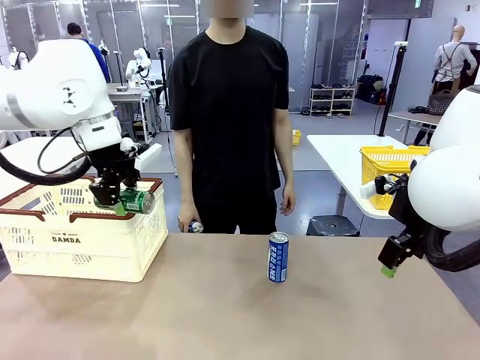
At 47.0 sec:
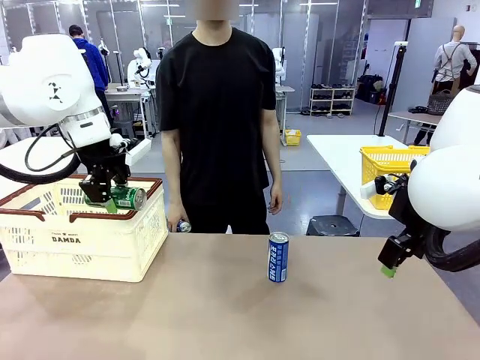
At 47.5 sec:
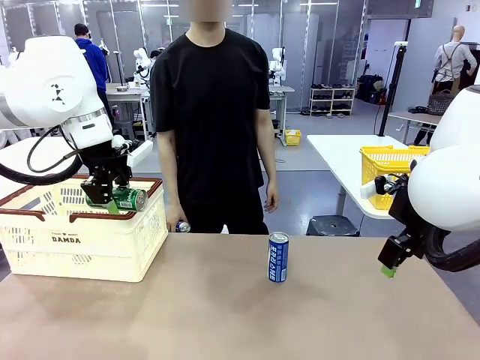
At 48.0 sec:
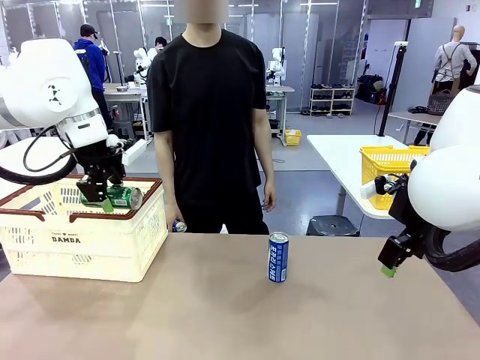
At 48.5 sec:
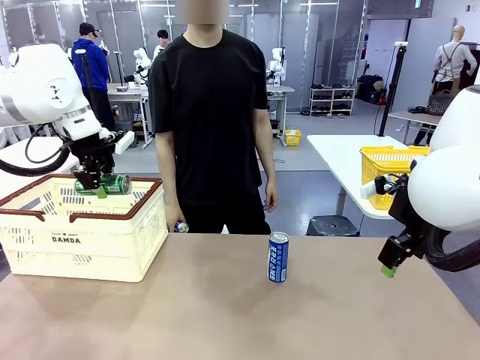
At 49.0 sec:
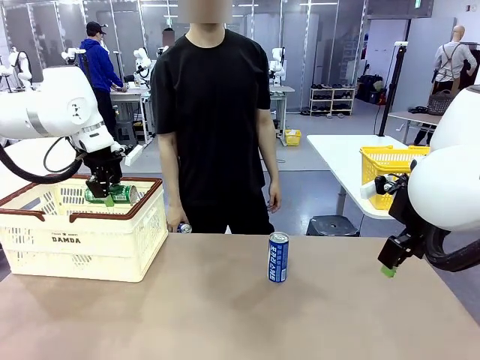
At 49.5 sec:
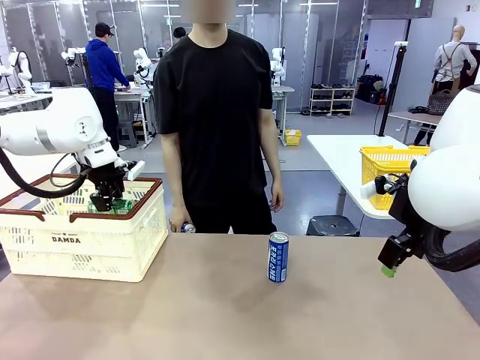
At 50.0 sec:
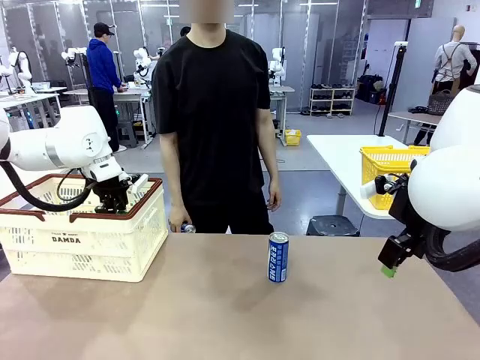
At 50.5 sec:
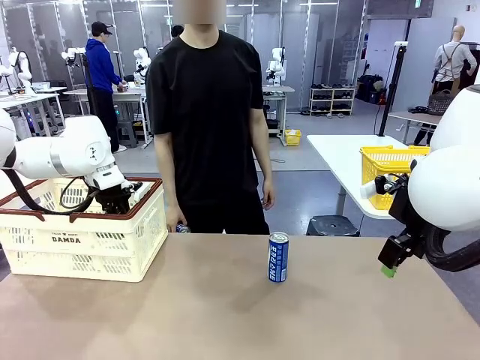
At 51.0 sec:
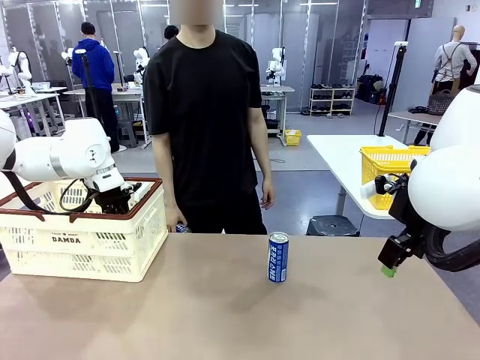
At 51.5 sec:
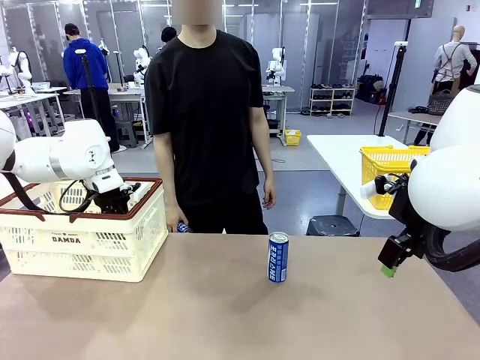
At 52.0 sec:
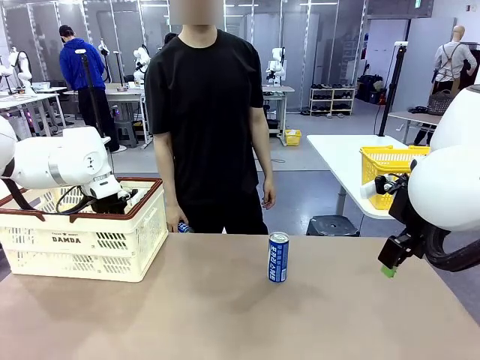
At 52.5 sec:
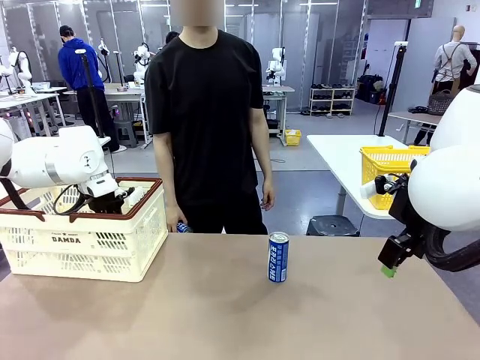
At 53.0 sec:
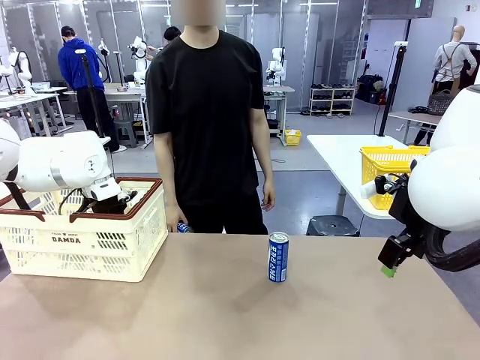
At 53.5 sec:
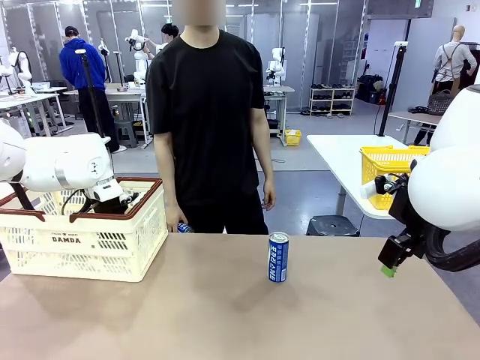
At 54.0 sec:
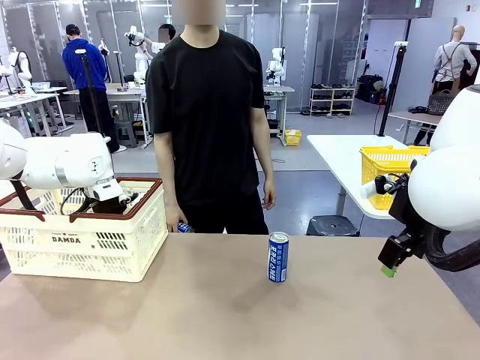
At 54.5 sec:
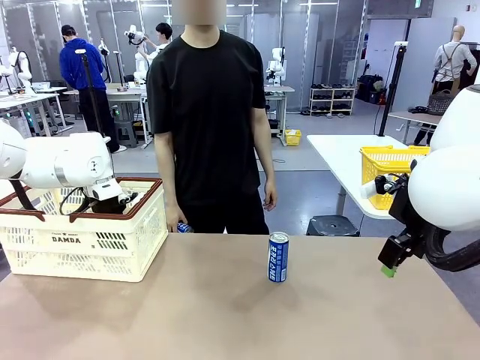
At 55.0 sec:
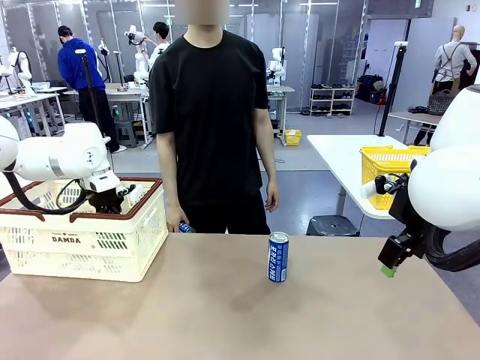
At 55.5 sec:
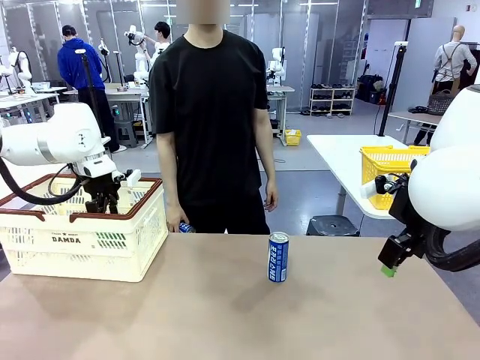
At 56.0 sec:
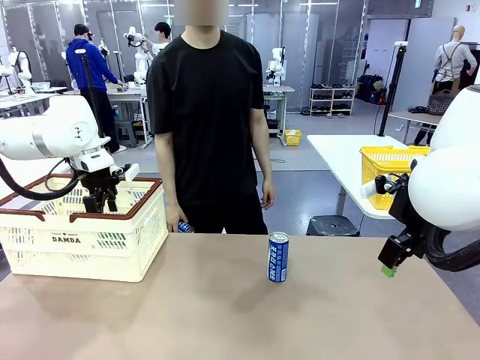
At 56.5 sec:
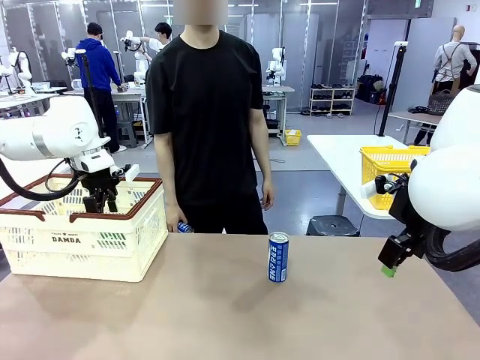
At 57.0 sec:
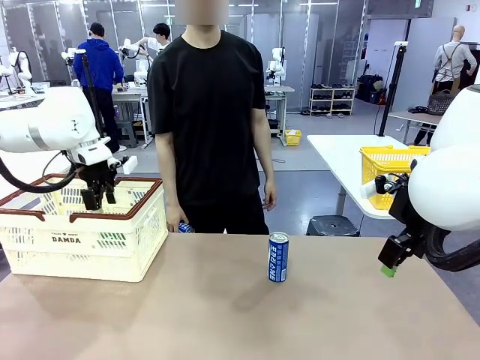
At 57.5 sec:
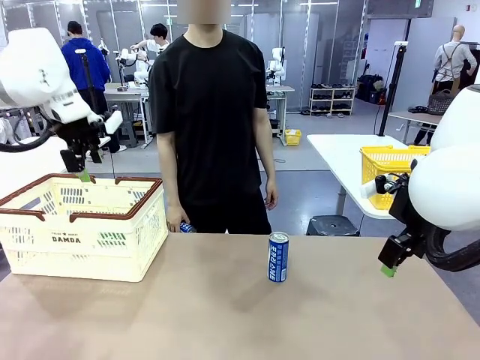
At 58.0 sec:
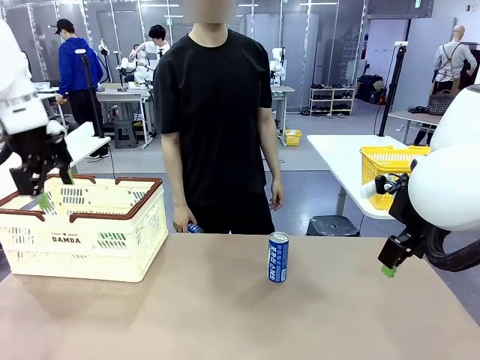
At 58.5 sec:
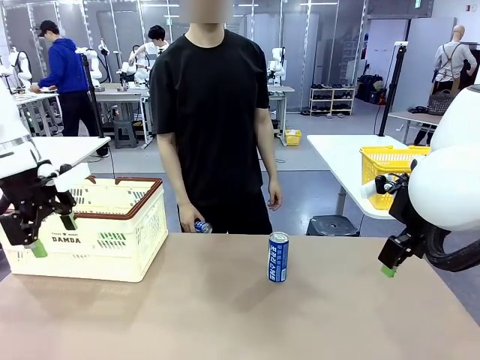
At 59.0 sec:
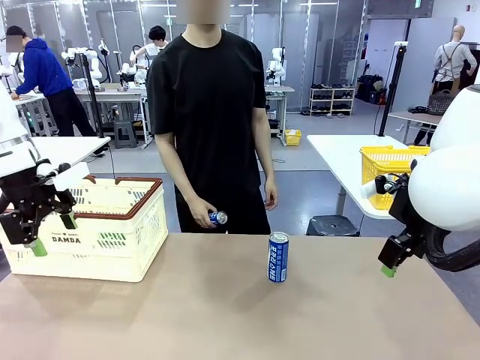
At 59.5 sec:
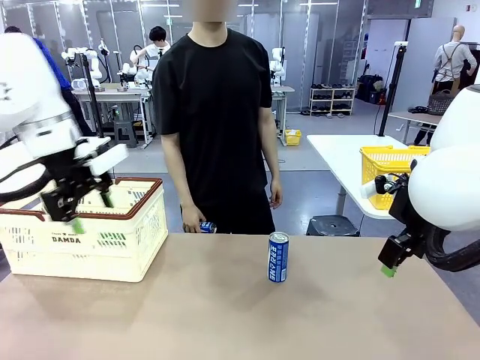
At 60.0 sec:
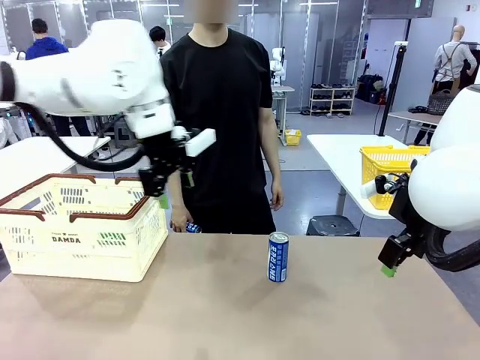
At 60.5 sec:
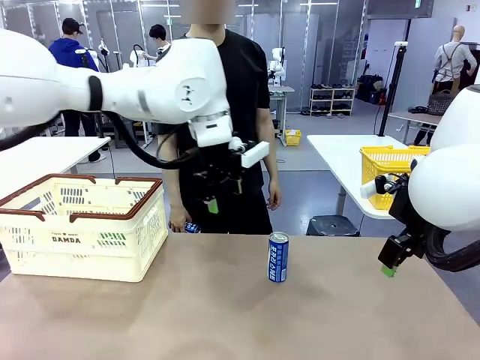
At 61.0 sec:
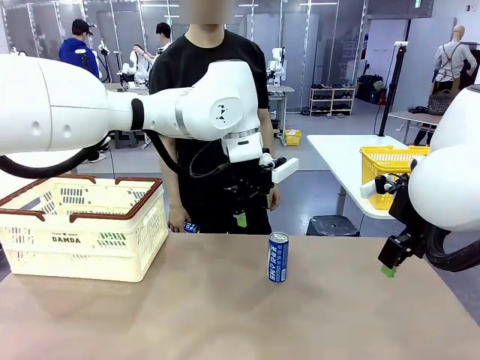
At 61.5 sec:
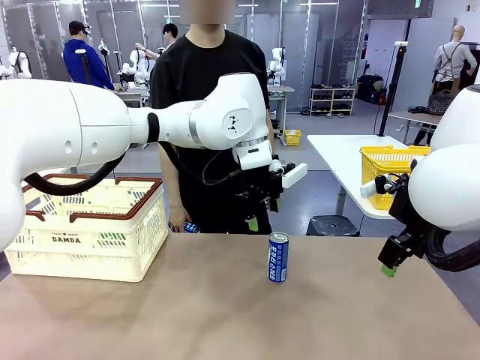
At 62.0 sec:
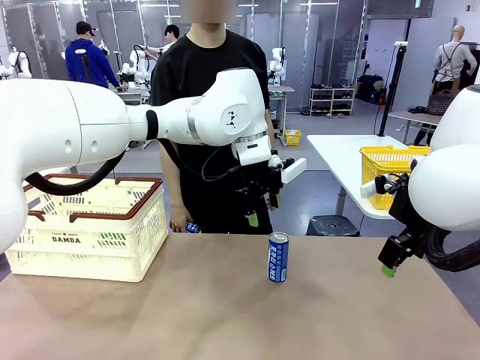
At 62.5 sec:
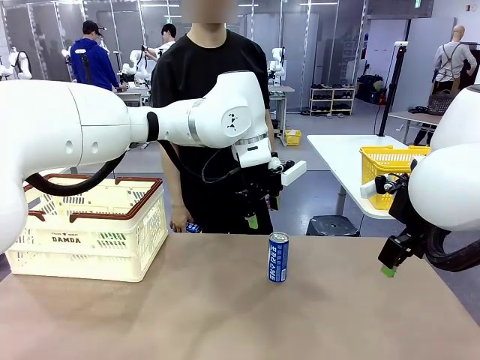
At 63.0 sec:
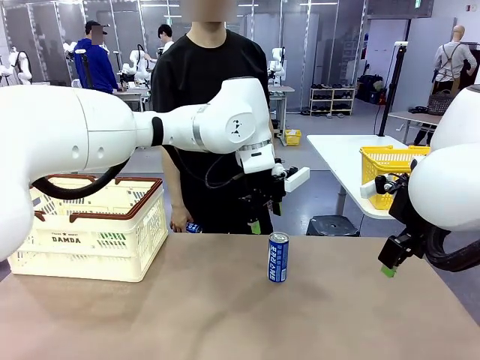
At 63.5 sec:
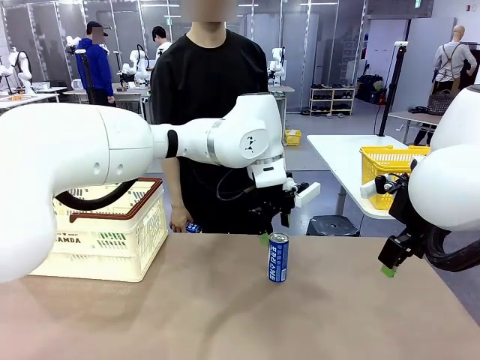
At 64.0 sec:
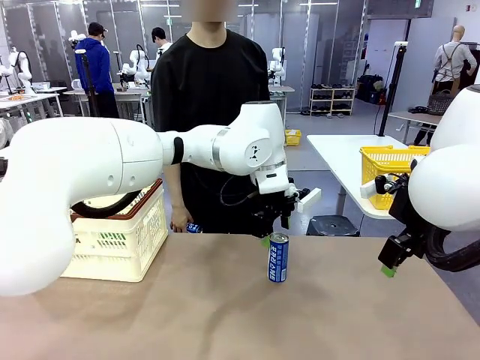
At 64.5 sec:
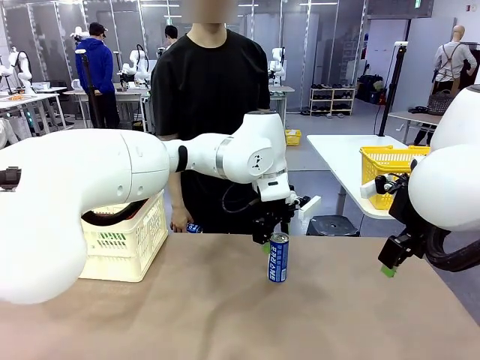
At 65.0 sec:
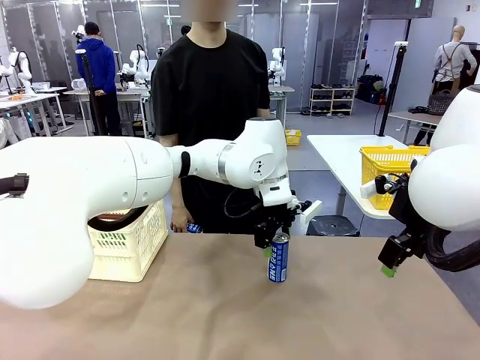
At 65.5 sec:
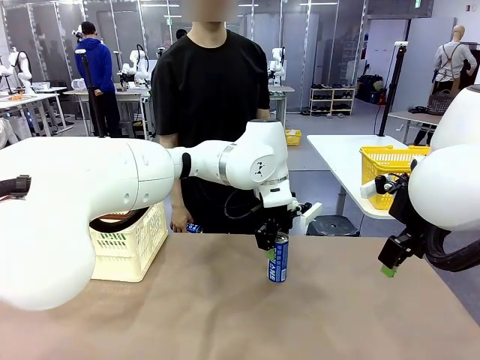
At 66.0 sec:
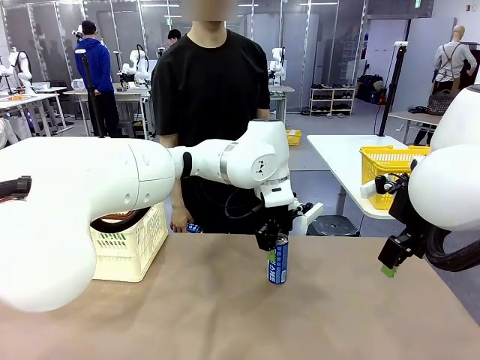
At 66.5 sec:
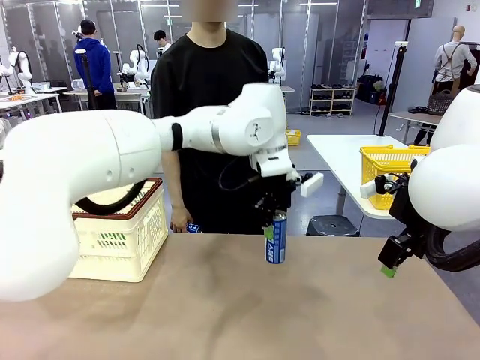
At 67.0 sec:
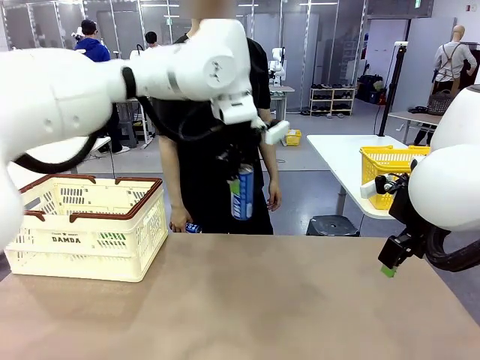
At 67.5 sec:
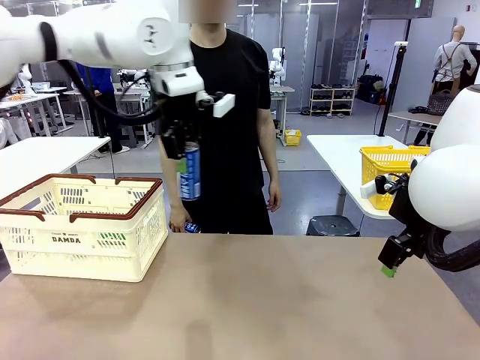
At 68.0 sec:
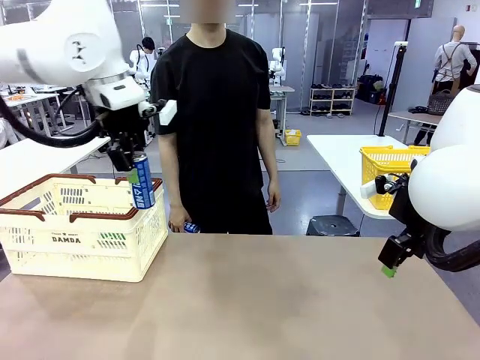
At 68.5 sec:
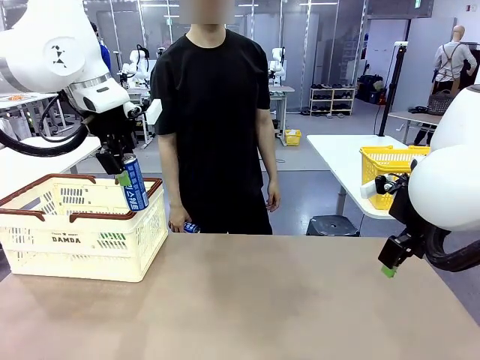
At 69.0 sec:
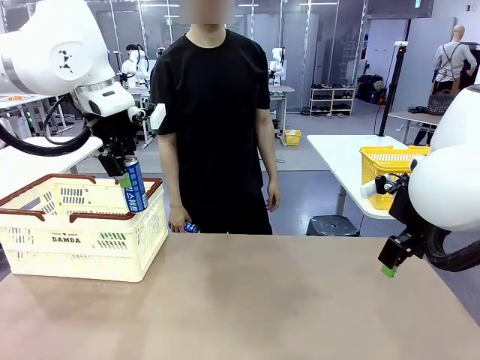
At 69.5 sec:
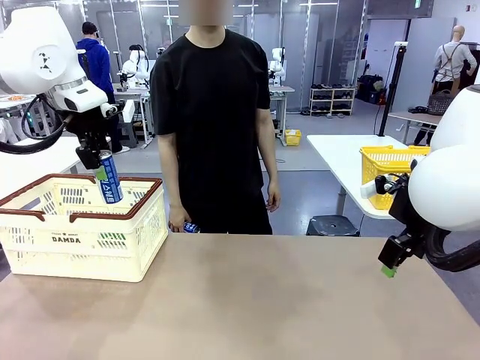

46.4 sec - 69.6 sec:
Task: Place the drinks into the Shopping basket.
Robot: Pick up one drink and place it into the Shopping basket.
